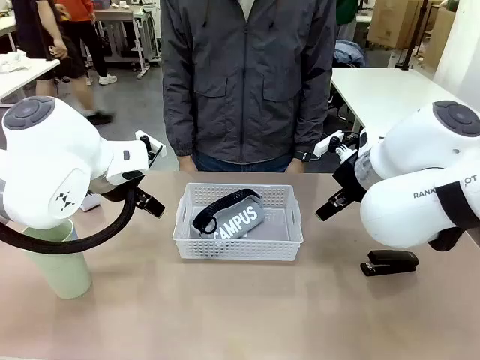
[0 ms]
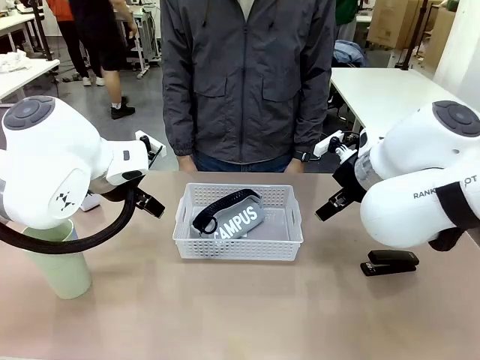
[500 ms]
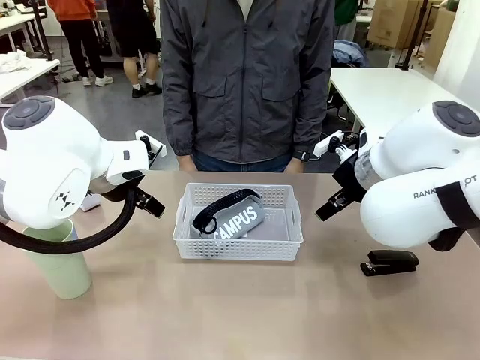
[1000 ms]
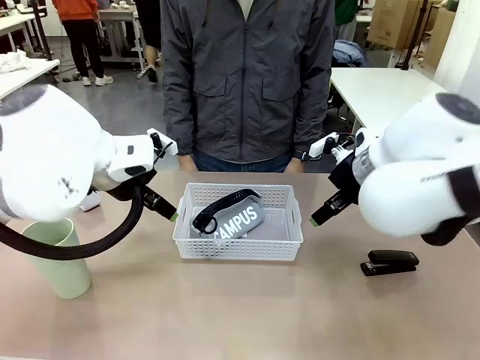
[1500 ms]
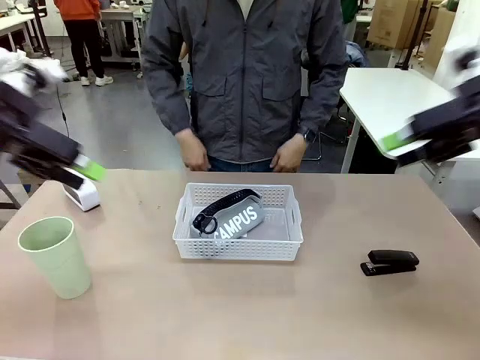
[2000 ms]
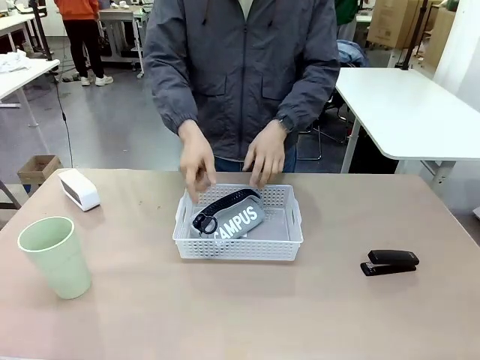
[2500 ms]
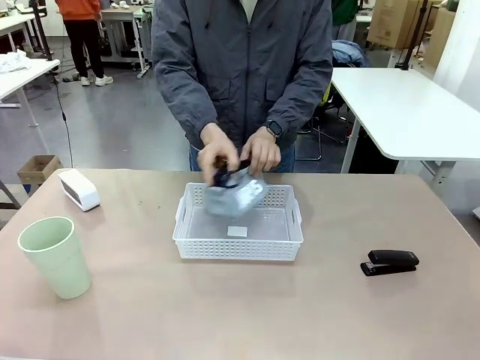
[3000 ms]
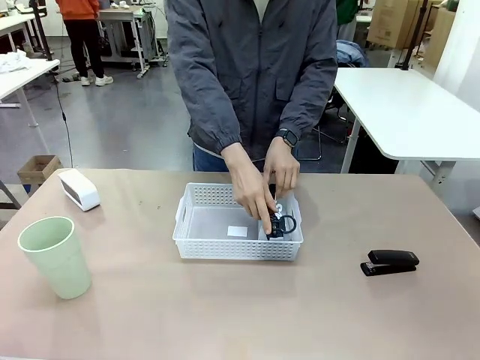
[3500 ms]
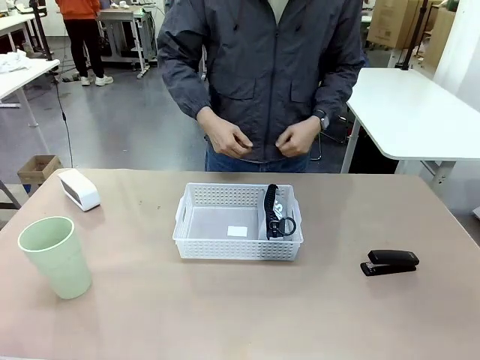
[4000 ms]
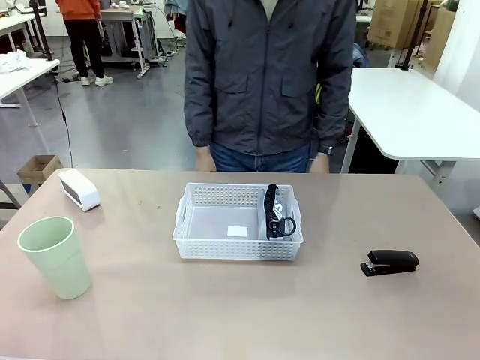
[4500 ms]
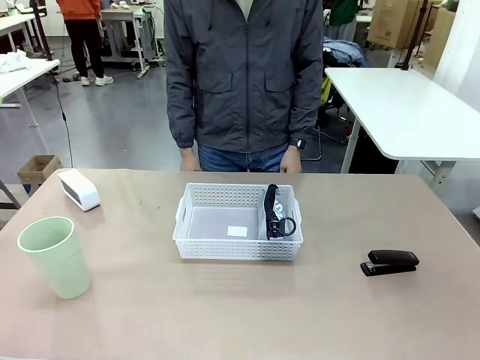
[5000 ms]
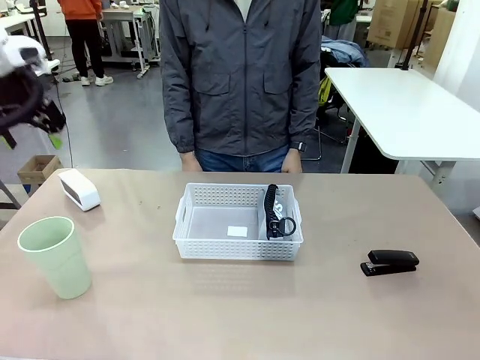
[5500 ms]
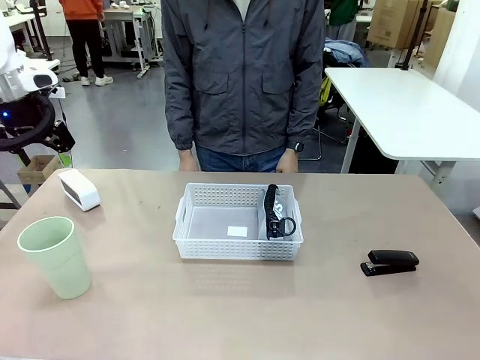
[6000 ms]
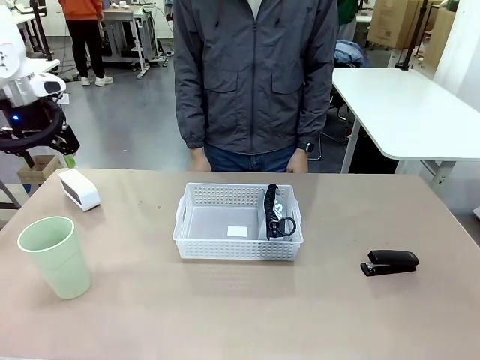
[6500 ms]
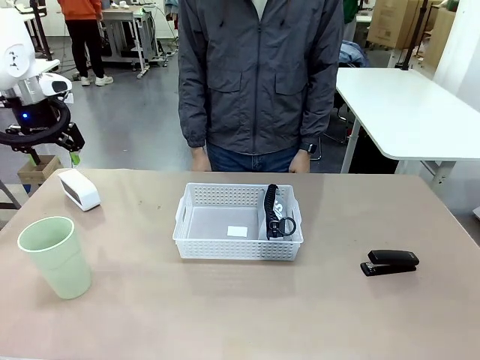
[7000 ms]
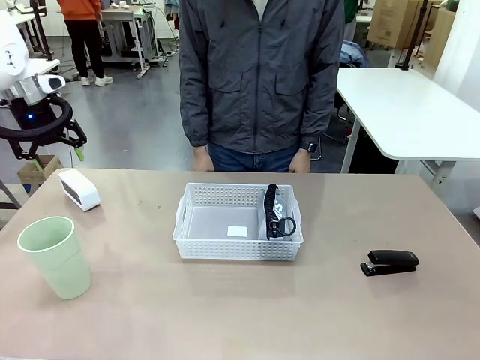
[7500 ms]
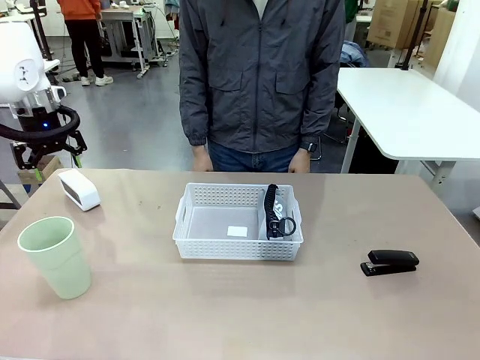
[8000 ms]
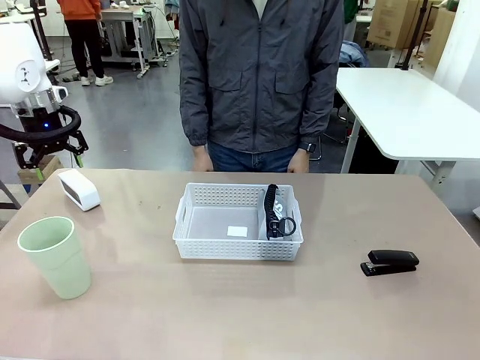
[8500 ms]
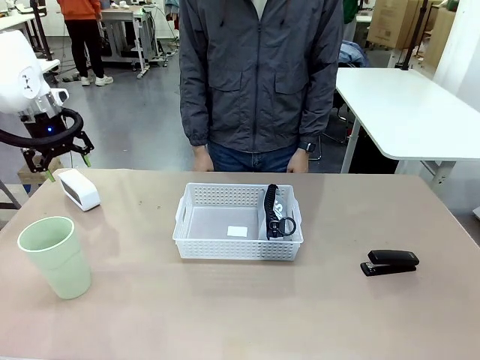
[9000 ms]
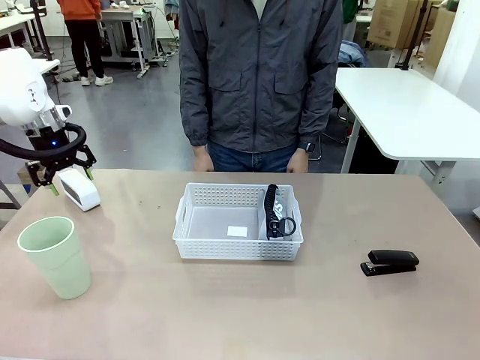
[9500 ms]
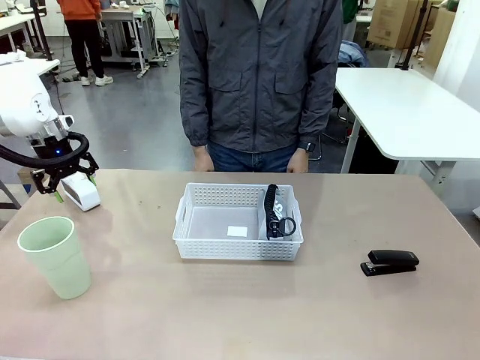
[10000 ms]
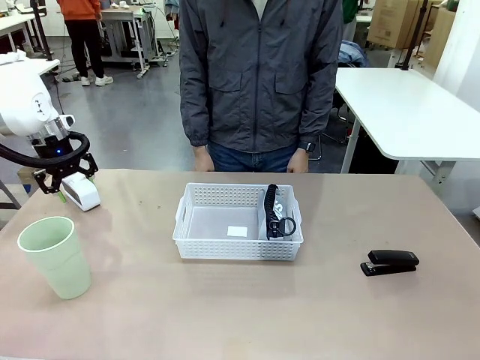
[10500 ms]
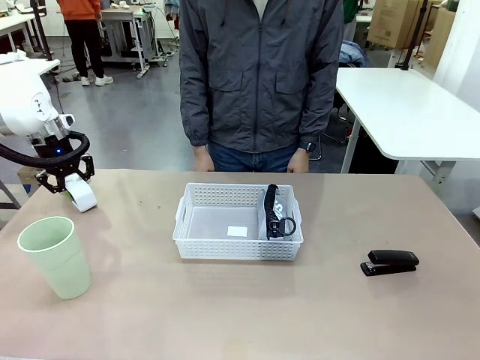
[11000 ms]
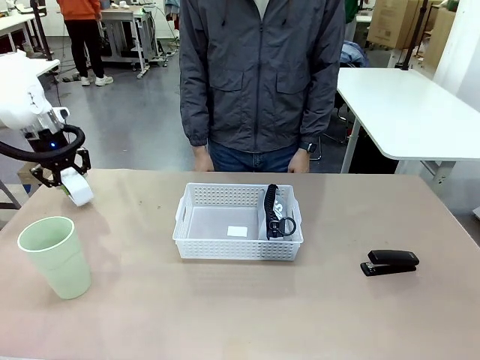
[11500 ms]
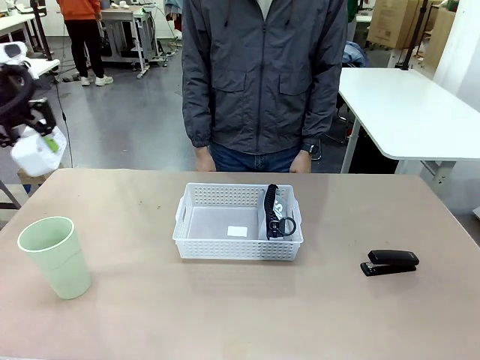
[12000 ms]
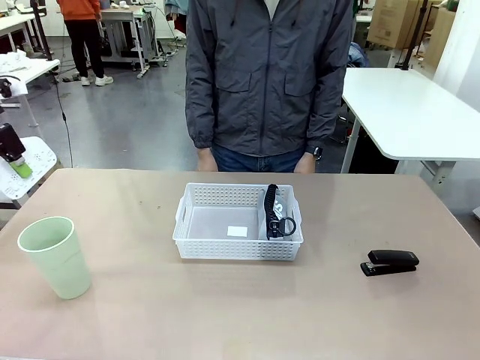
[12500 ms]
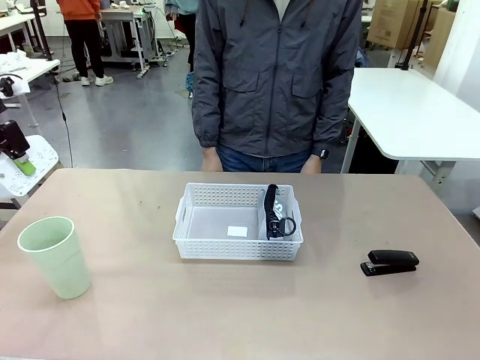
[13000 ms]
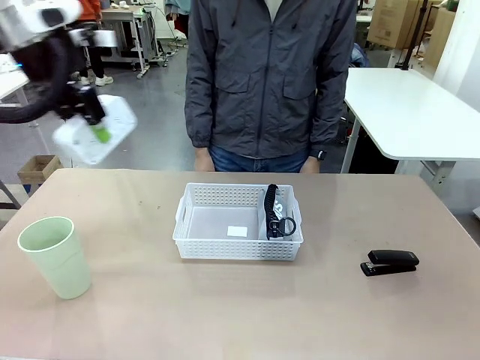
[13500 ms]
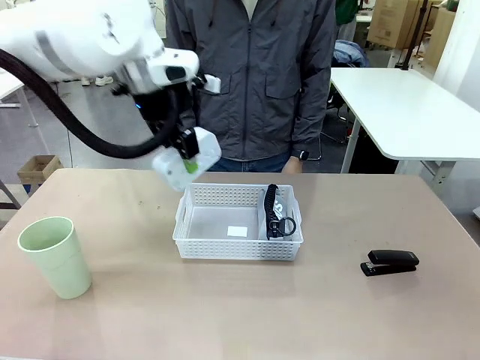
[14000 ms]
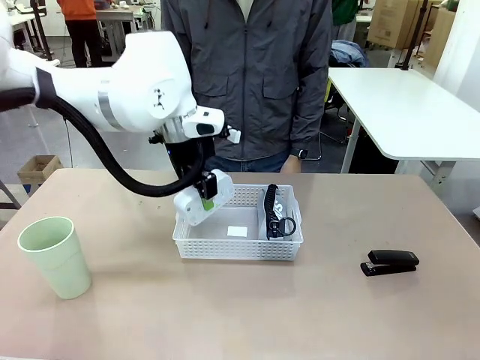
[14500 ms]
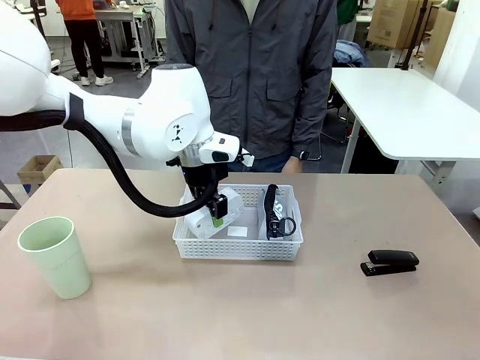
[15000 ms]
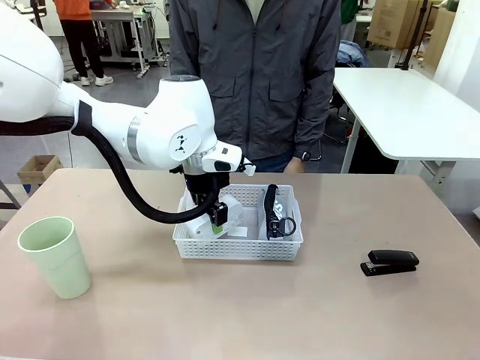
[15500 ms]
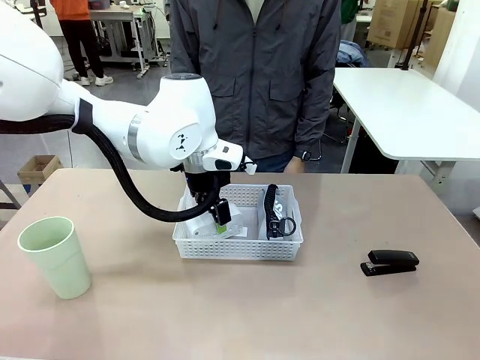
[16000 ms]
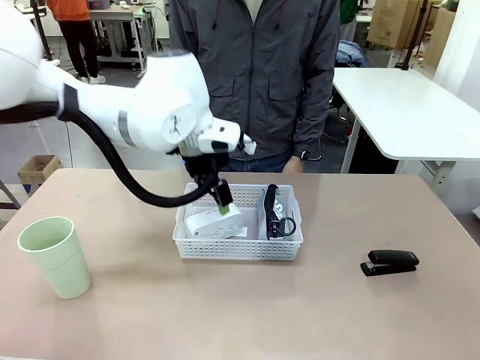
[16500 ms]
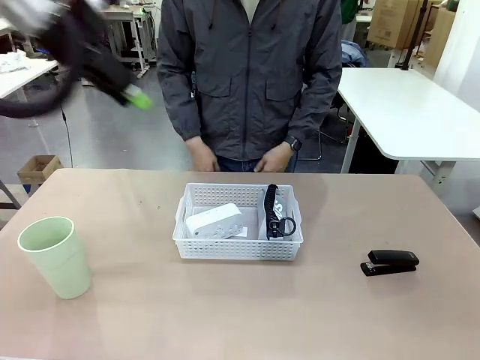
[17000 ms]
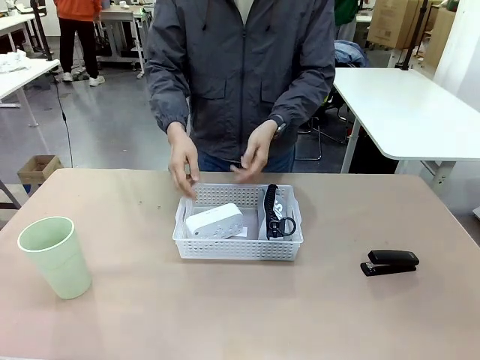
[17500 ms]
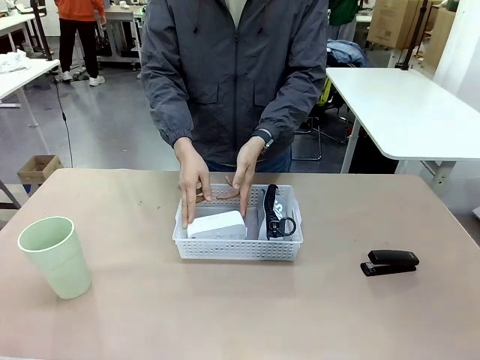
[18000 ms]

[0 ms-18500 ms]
Task: Efficiently arrange items inside the basket to fit them all.
Robot: Pick up the Digital clock and place it inside the Organizing basket.
Person: Repositions the pencil case. Repositions the digital clock.

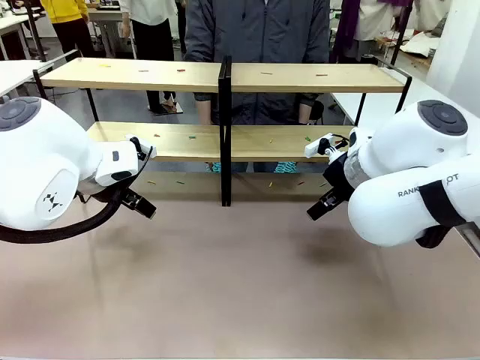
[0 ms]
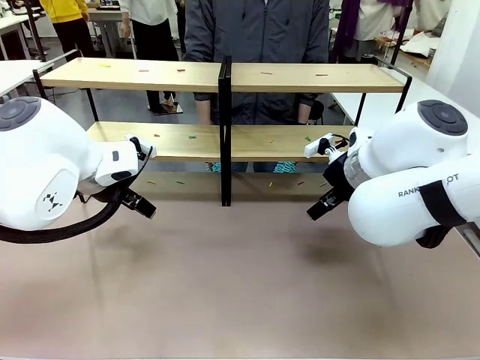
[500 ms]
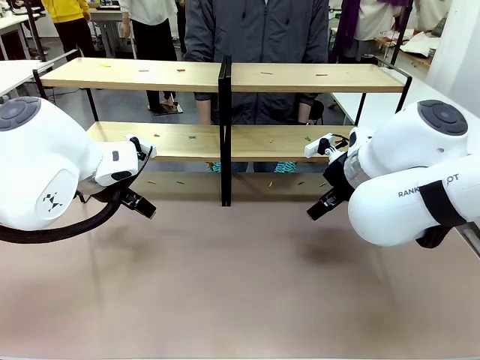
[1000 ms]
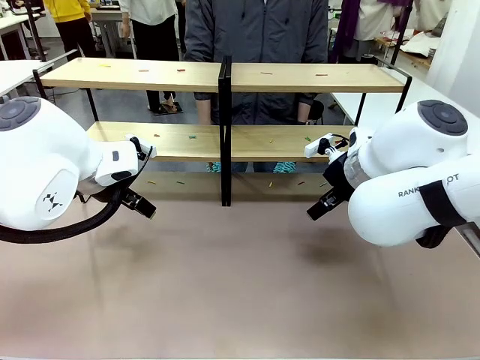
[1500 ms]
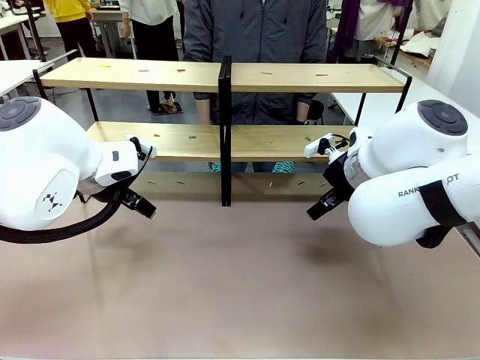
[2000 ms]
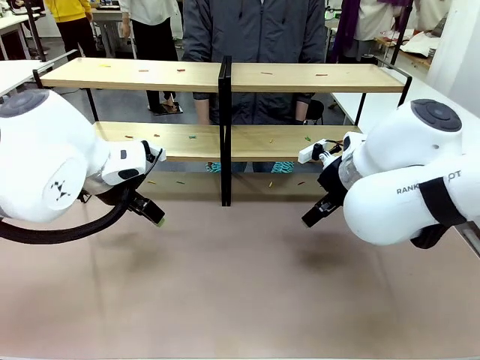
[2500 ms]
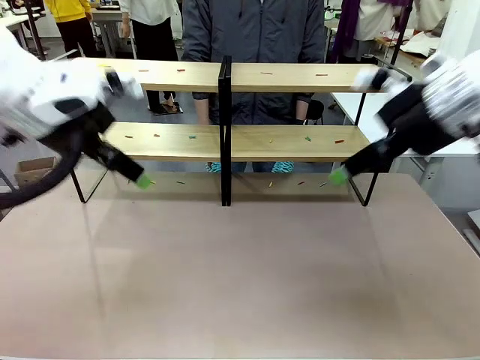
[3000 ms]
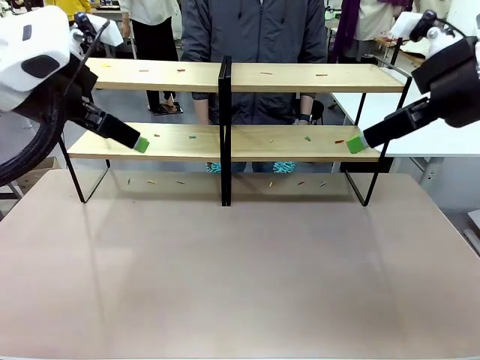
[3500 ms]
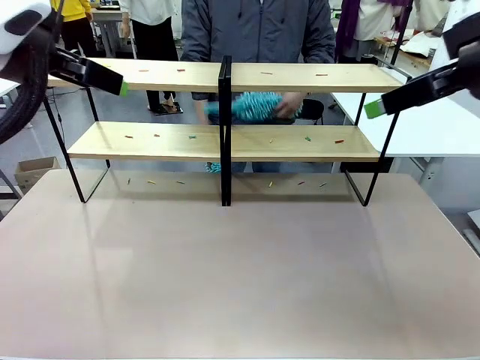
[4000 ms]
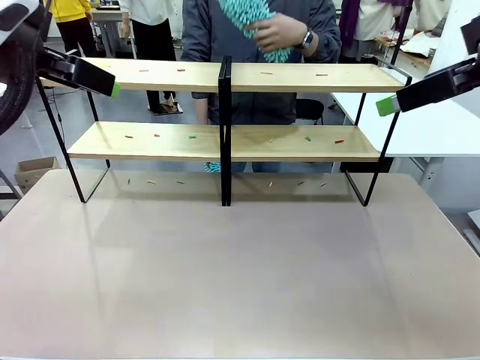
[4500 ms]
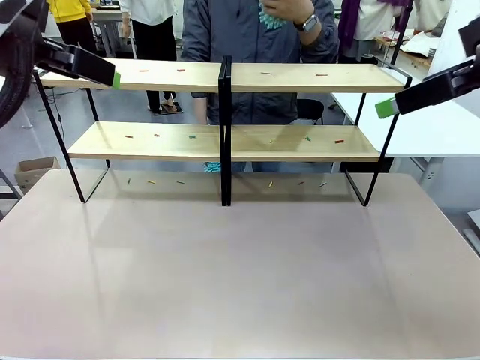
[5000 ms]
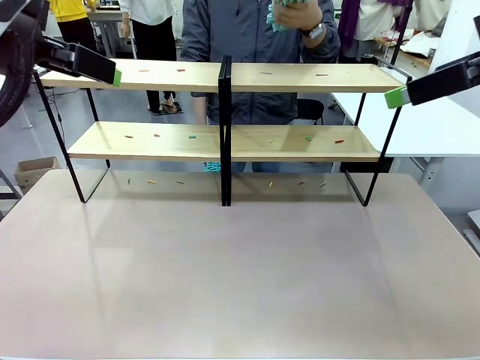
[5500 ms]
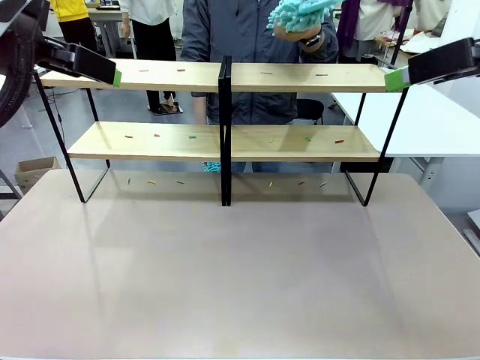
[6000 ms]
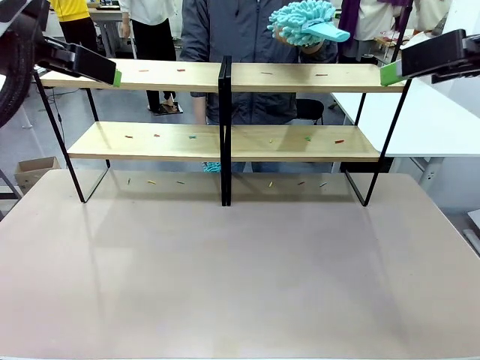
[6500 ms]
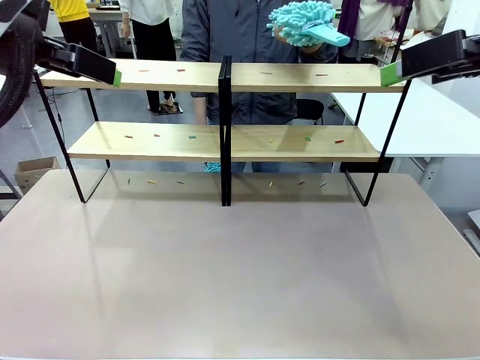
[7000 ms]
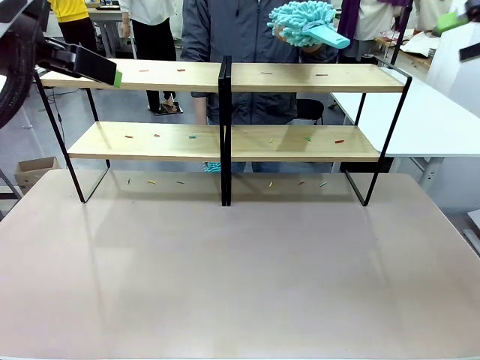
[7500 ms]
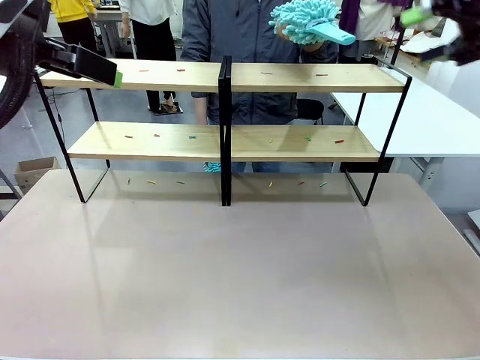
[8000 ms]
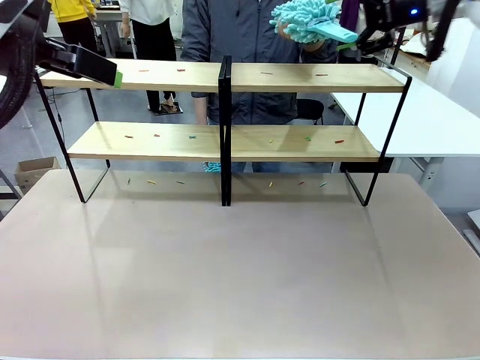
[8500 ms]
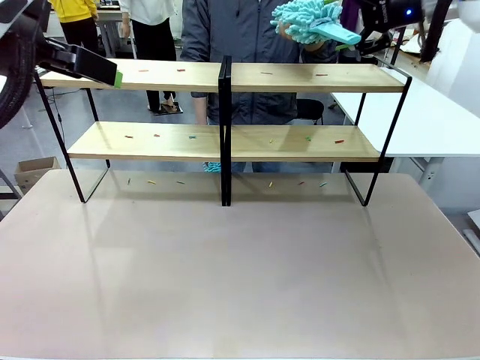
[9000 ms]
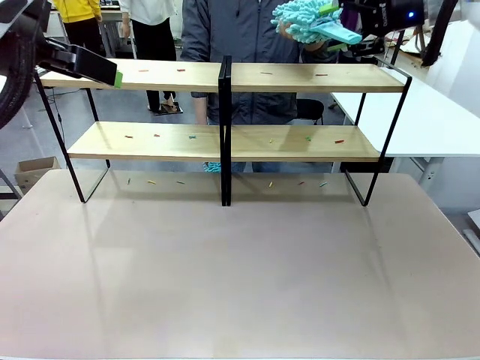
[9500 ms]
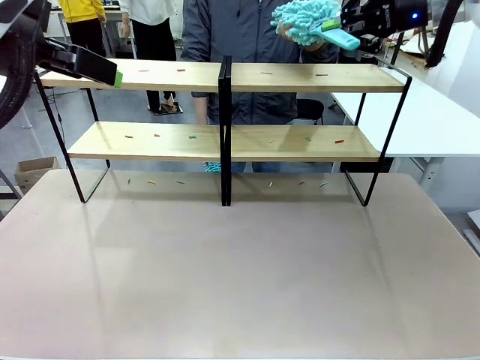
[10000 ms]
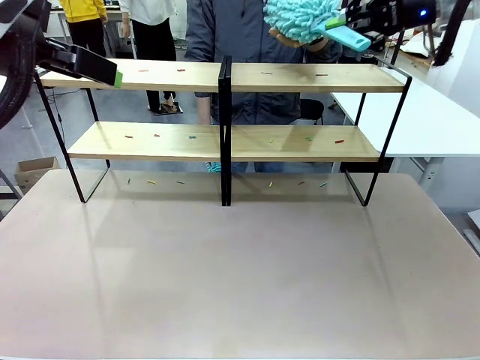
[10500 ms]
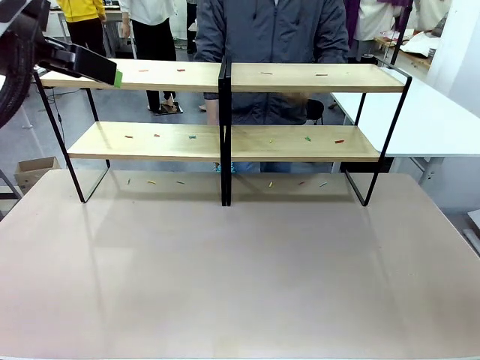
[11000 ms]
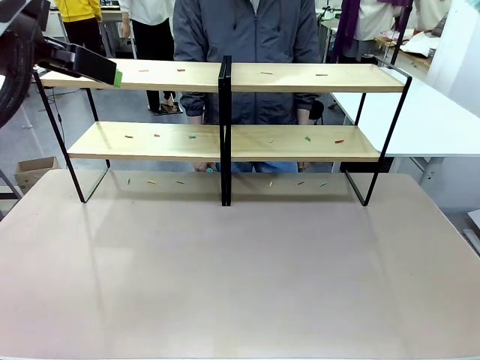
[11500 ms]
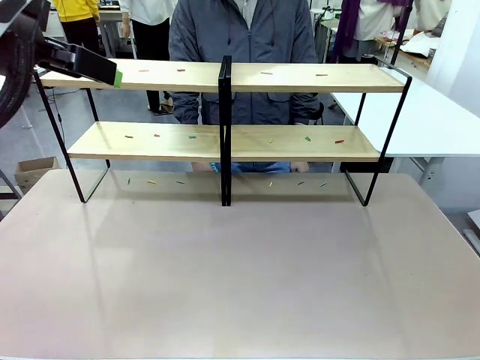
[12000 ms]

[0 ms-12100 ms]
Task: Clean the shelves.
Robot: Pick up the Duster when the human hands it over.
Person: Hand the Duster to the robot with your right (or left) hand.
